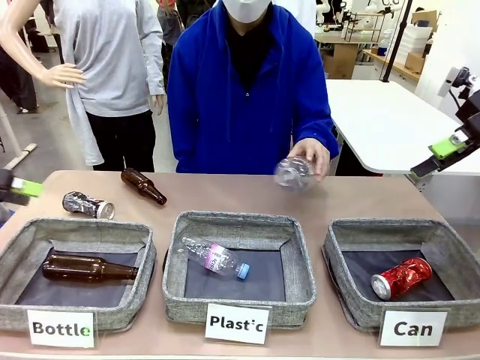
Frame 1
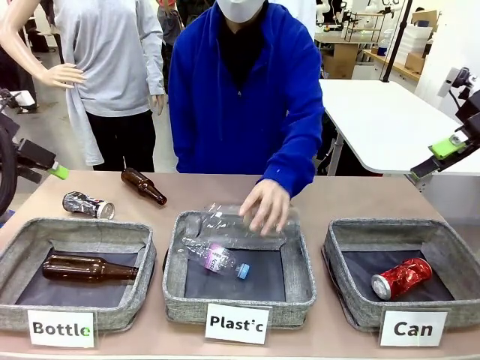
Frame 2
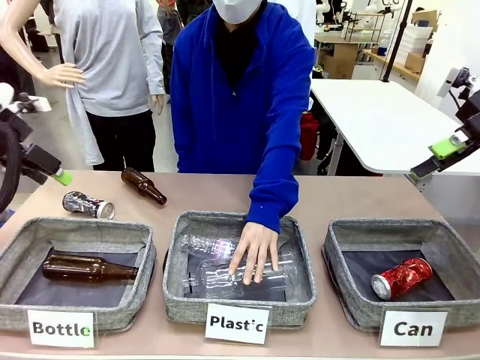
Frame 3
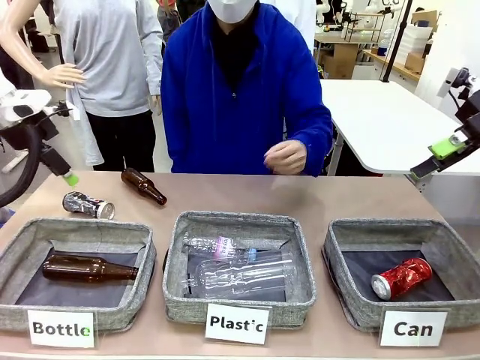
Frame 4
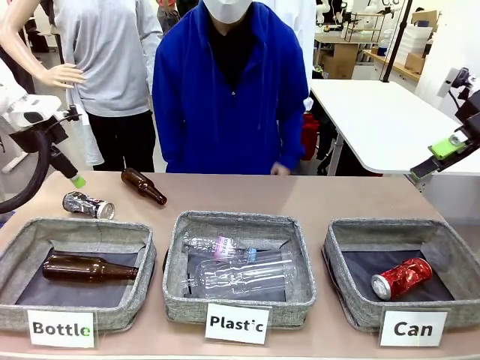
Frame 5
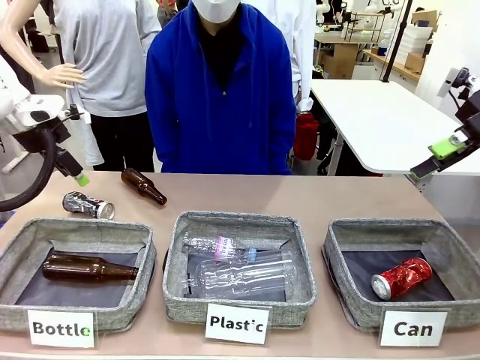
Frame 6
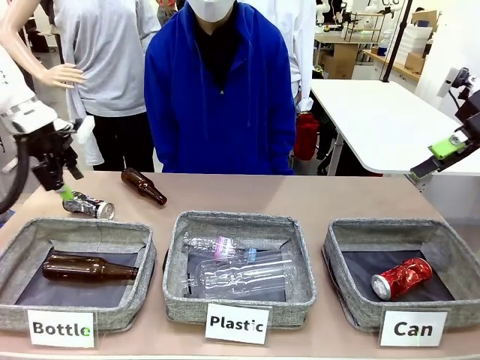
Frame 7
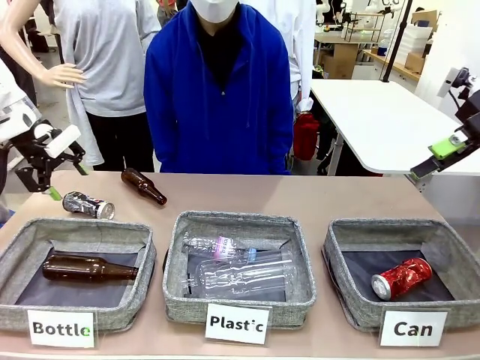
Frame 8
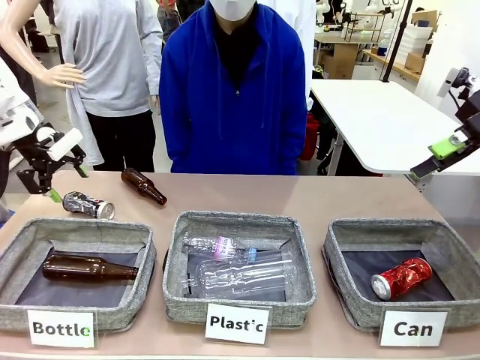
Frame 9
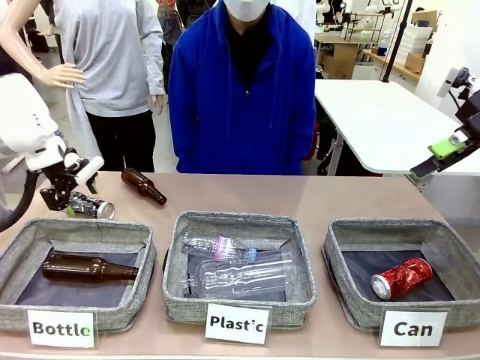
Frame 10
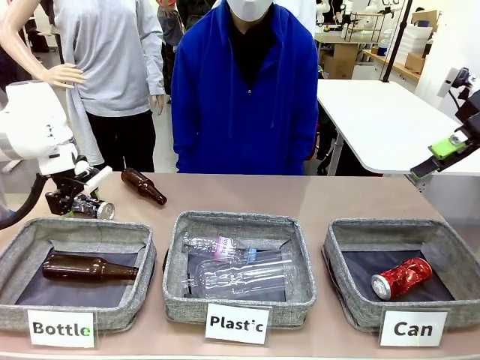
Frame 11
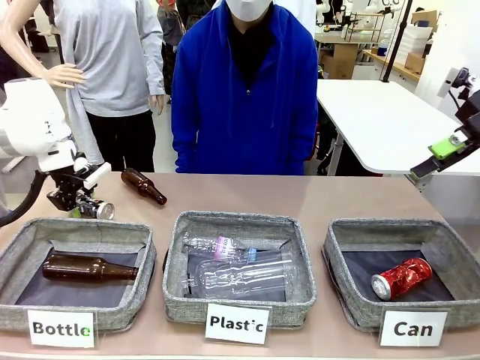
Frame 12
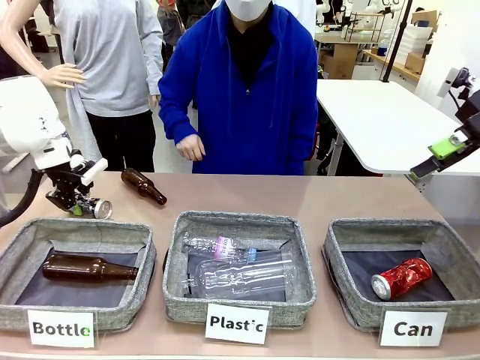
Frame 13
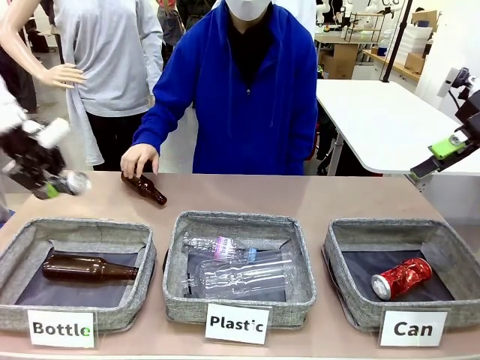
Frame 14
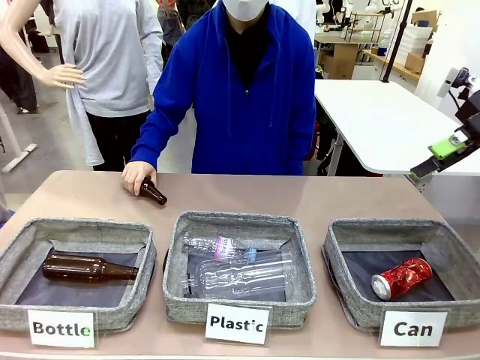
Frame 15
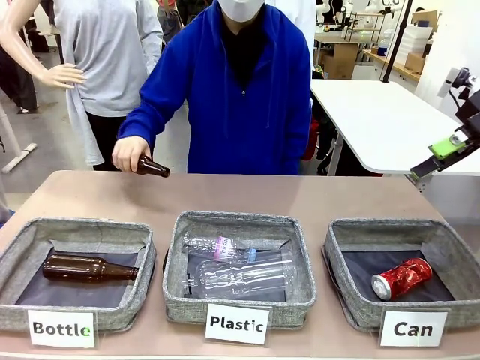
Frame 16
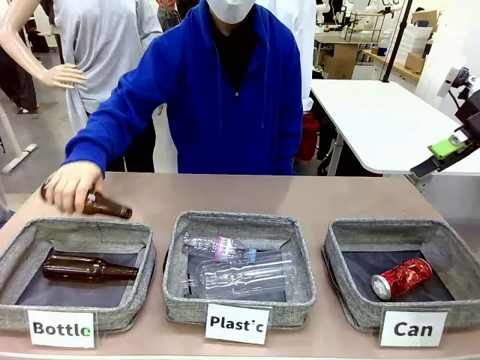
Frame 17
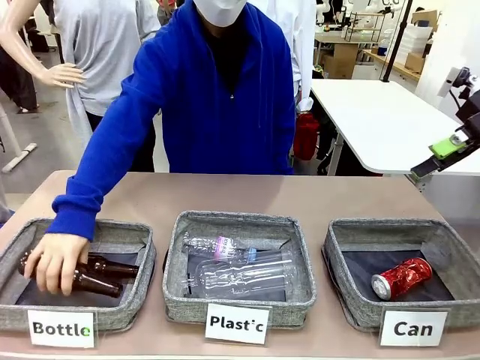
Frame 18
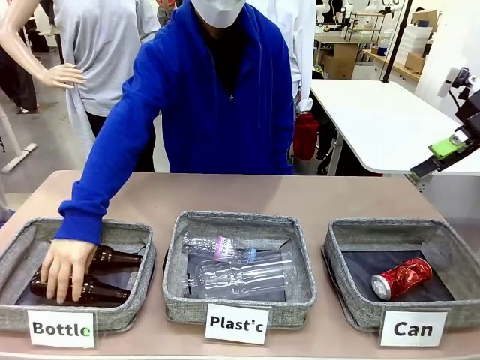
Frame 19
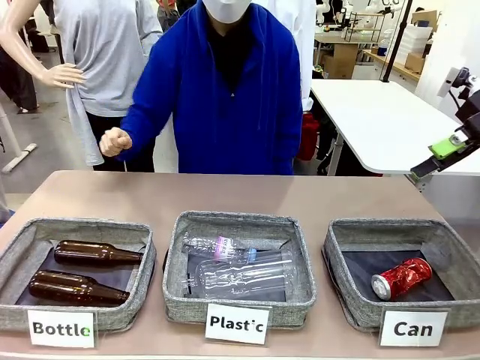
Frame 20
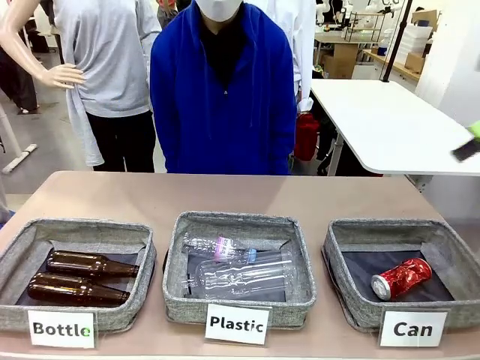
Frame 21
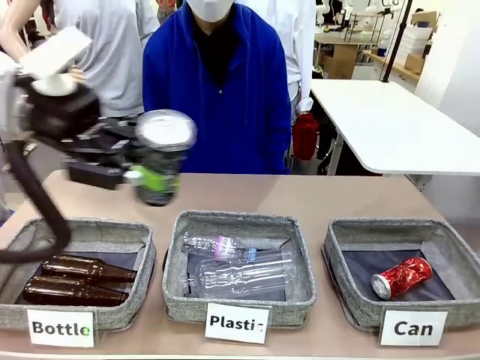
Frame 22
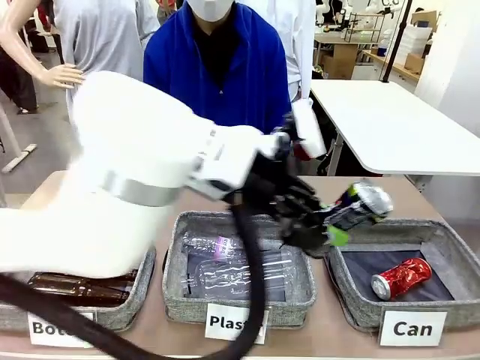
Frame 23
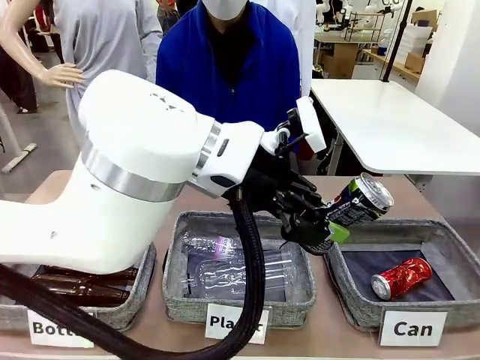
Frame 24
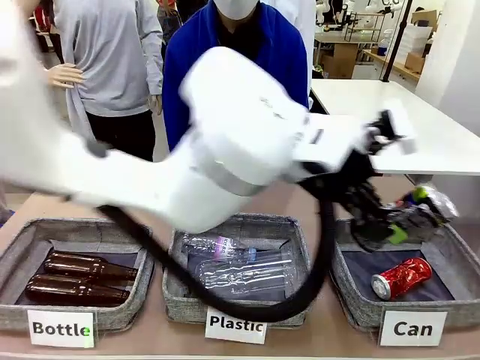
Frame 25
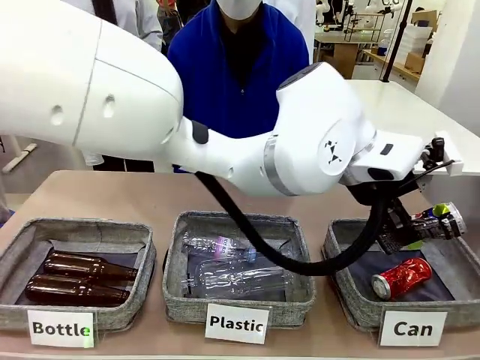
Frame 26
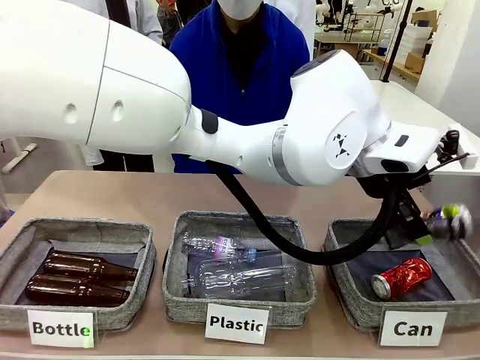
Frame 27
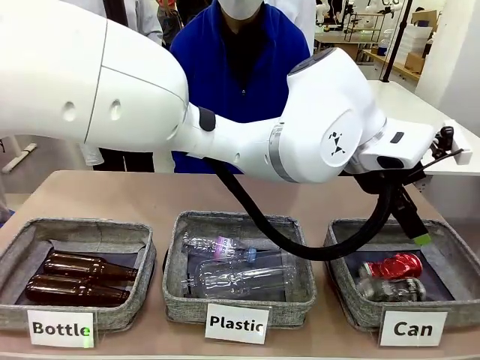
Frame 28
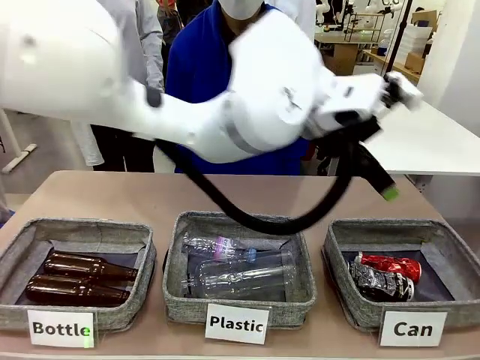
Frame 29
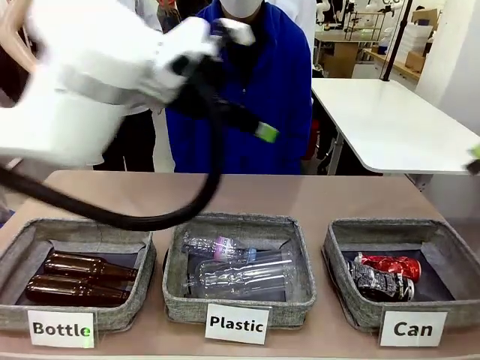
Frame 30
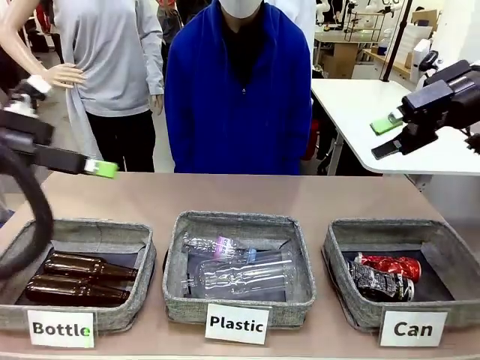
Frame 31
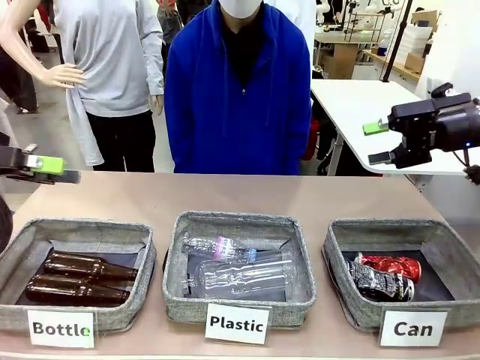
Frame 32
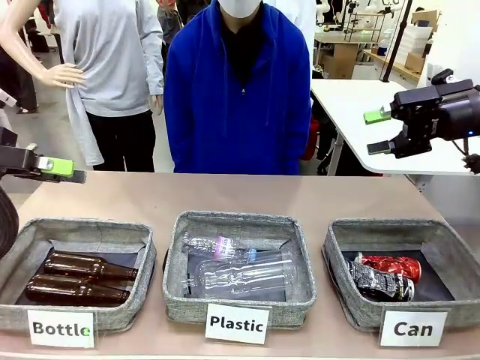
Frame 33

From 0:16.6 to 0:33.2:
Task: Sort the can waste into the basket.
Robot: Pick up the can waste from the table and place it in the right Fabric basket.

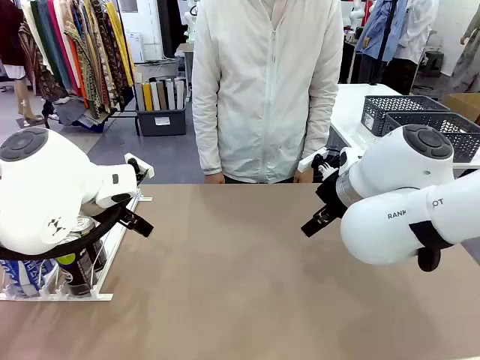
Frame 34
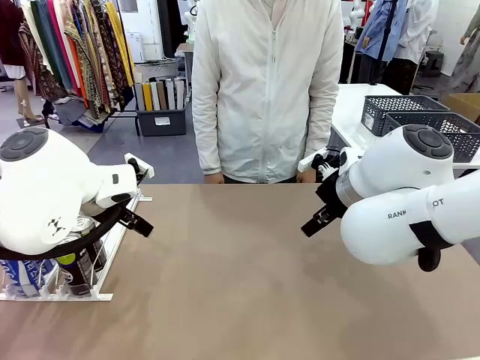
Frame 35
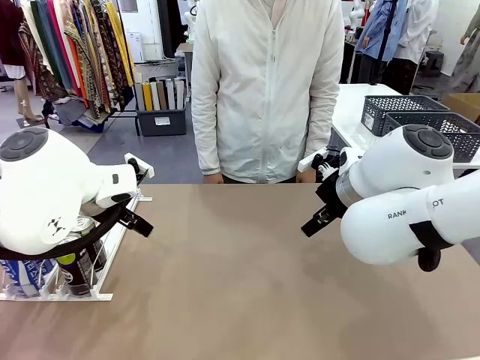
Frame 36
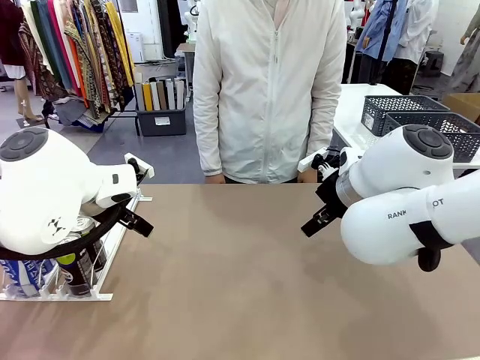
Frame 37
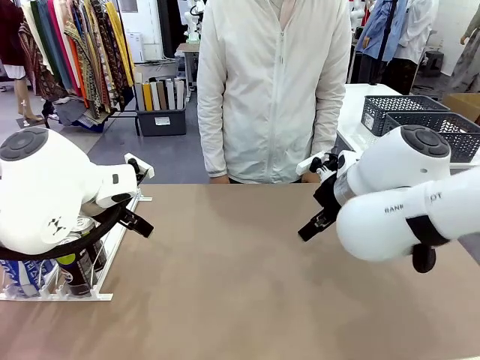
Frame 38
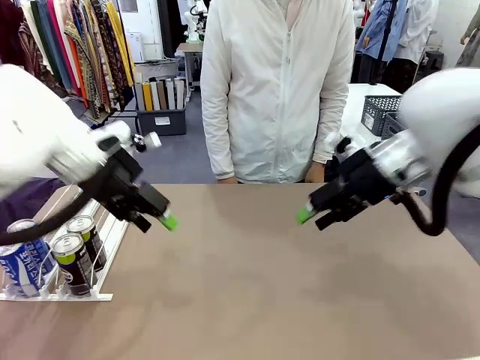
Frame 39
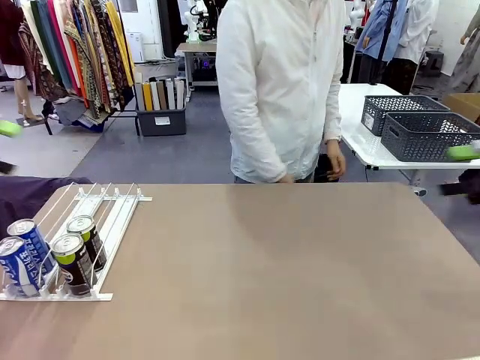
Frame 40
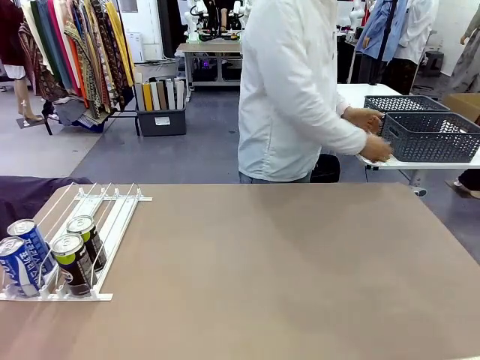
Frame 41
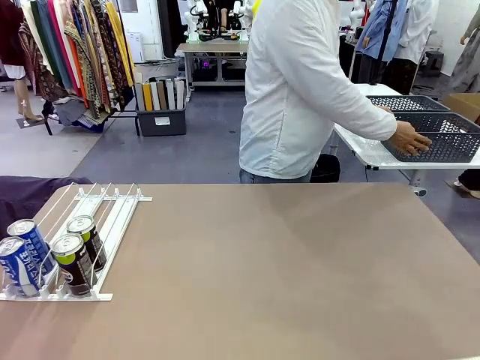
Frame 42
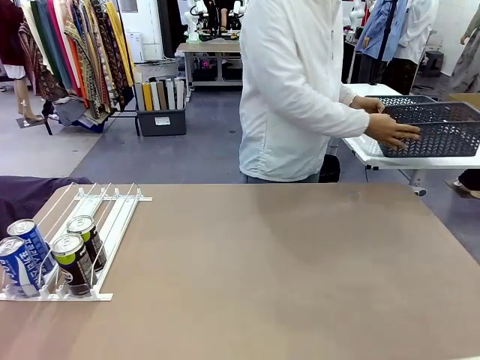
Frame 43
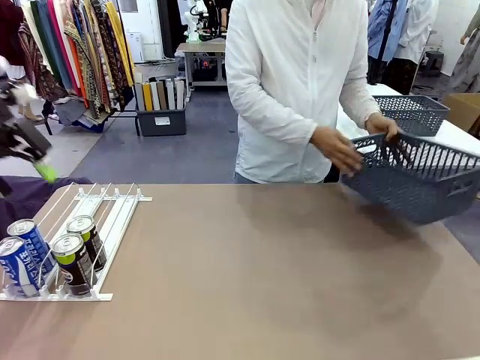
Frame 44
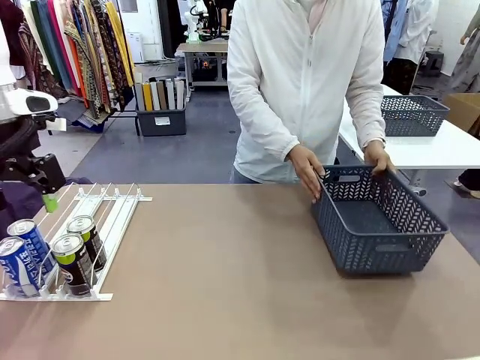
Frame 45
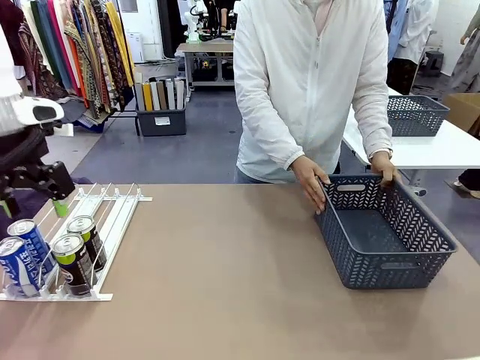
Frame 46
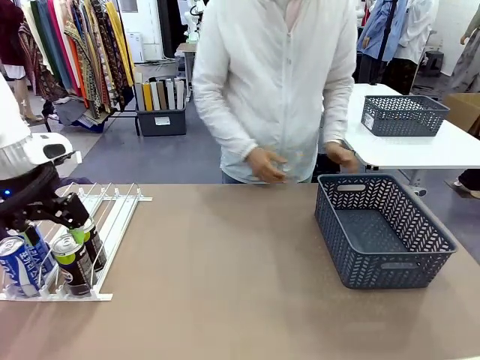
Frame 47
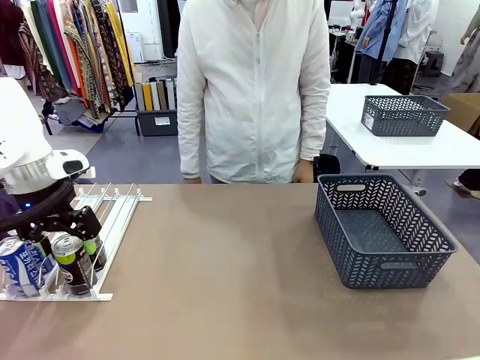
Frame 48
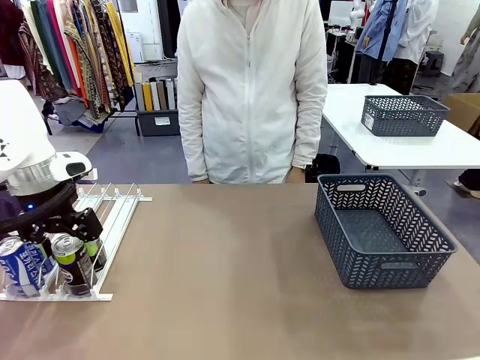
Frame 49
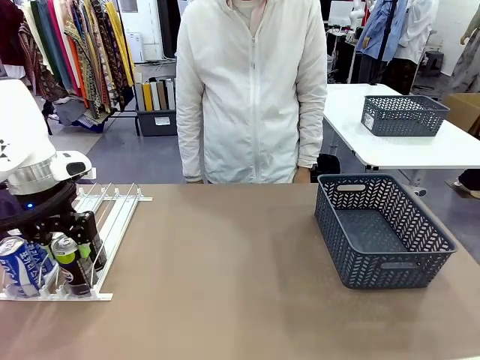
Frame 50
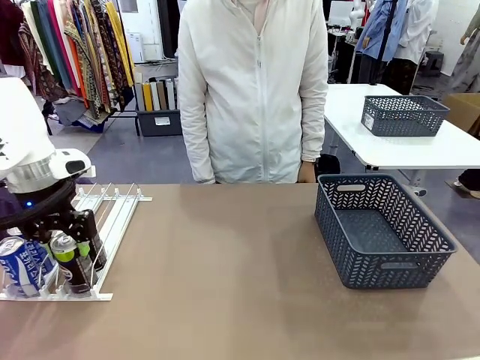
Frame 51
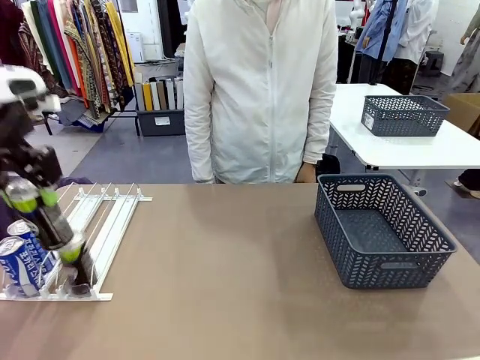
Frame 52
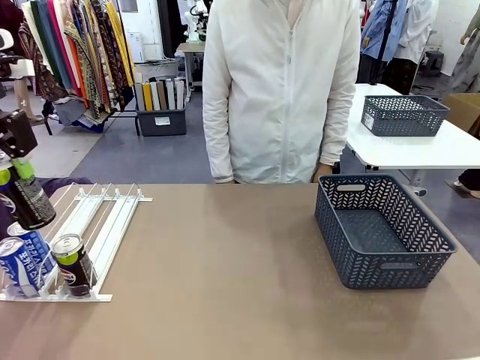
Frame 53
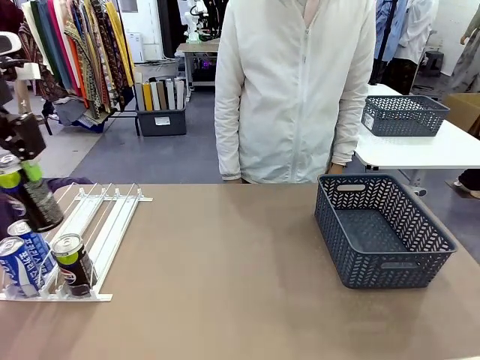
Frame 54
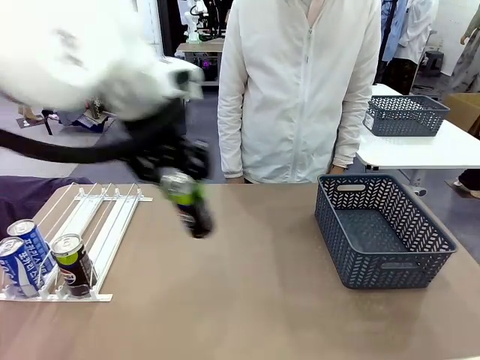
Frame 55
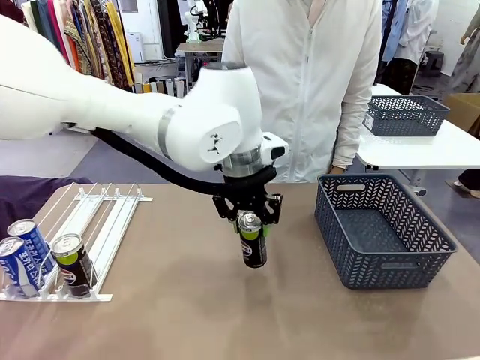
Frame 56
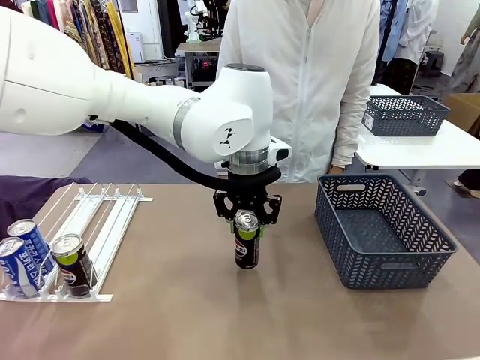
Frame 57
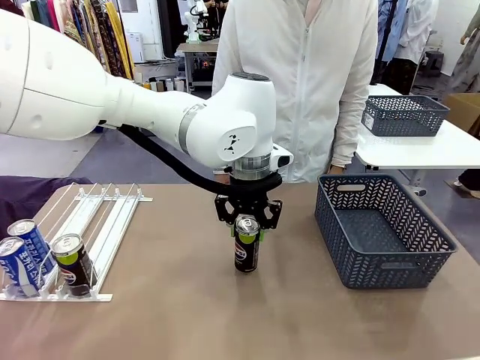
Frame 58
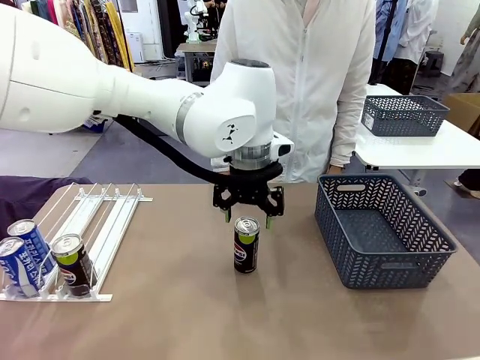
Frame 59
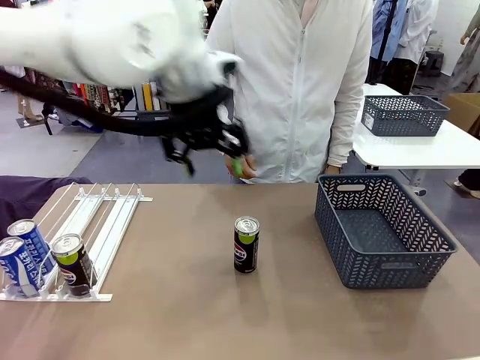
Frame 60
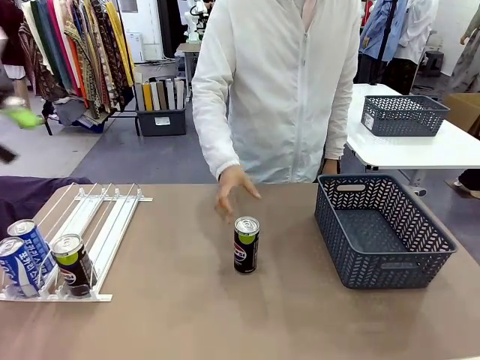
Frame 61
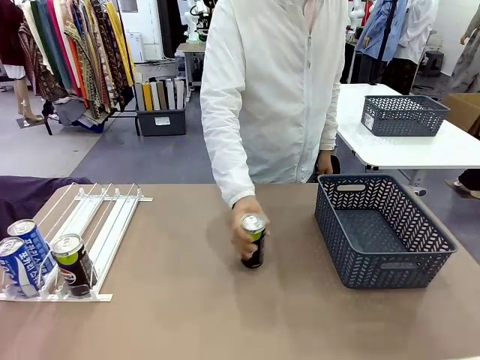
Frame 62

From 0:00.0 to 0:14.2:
Task: Retrieve and store the cans from the dispenser.
Robot: Pick up one can from the Automatic Can Dispenser and place it in the middle of the table.
Person: Pick up the basket and place it on the left side of the robot table.
